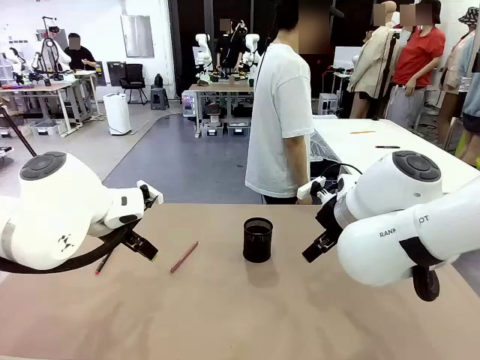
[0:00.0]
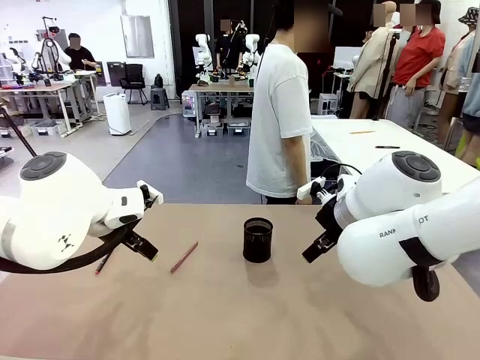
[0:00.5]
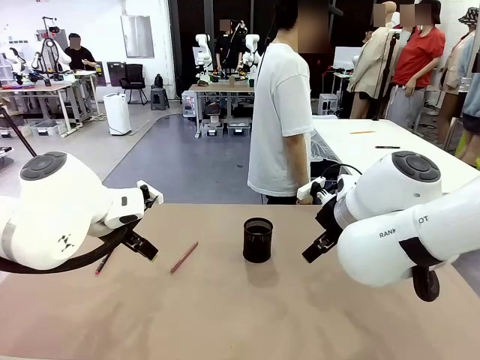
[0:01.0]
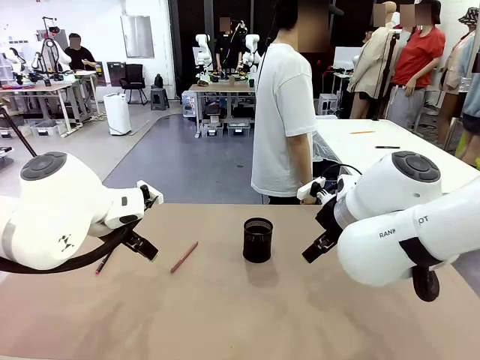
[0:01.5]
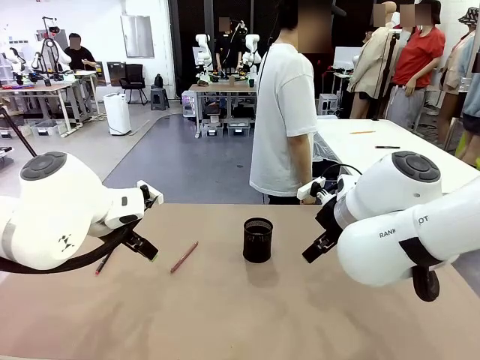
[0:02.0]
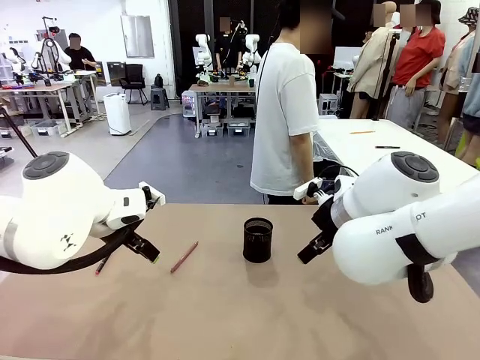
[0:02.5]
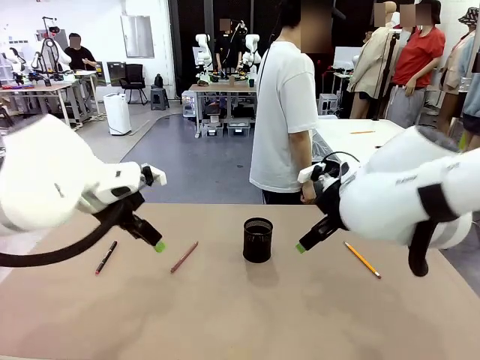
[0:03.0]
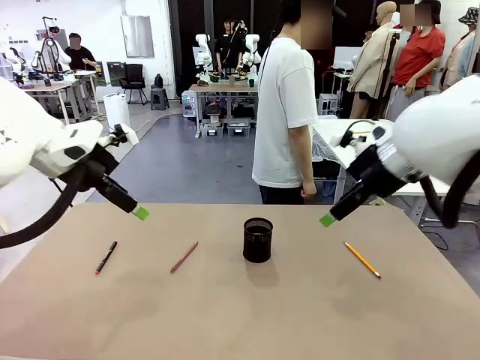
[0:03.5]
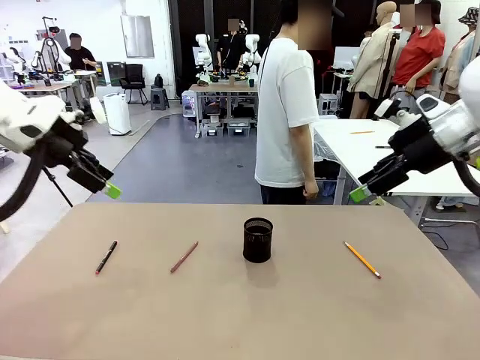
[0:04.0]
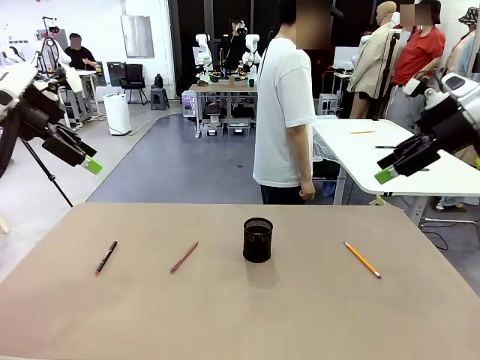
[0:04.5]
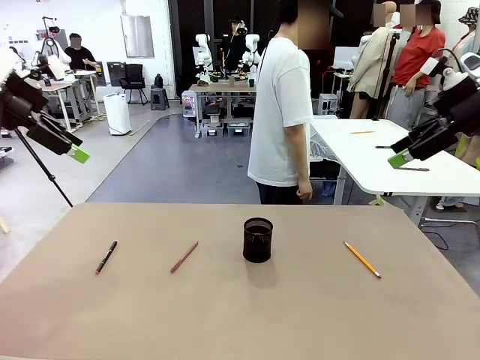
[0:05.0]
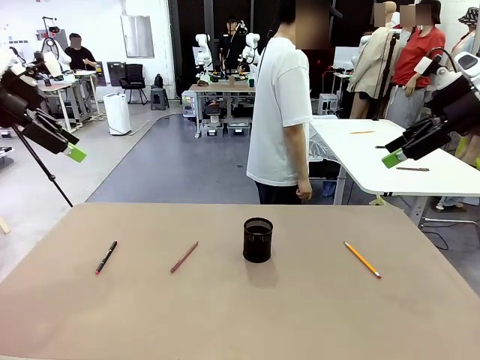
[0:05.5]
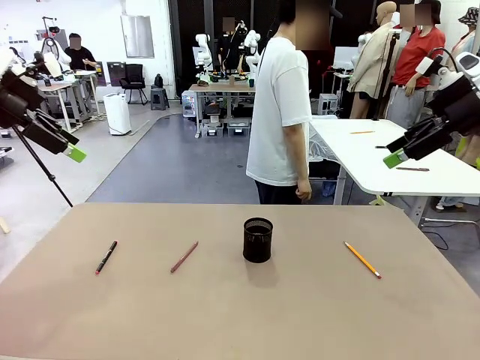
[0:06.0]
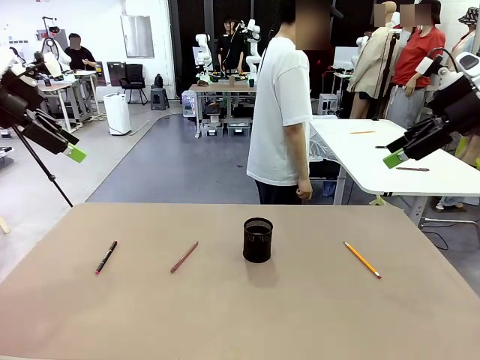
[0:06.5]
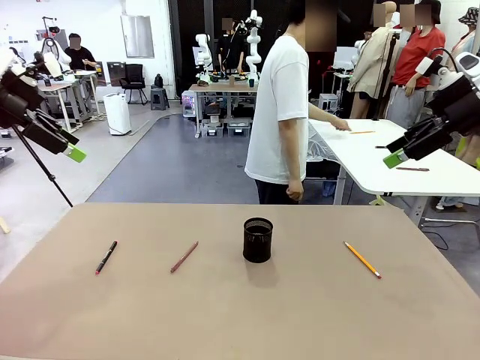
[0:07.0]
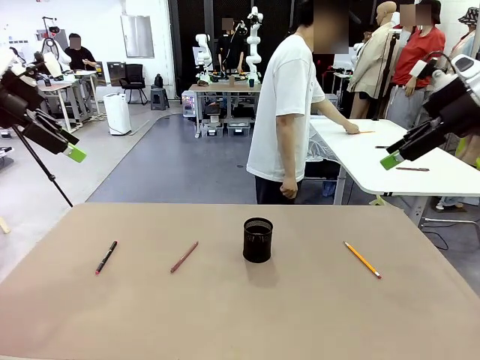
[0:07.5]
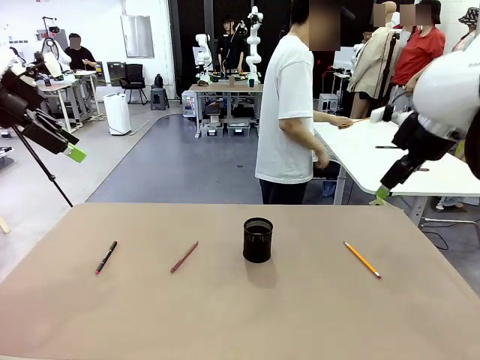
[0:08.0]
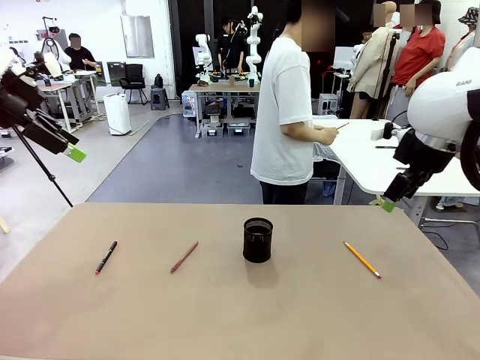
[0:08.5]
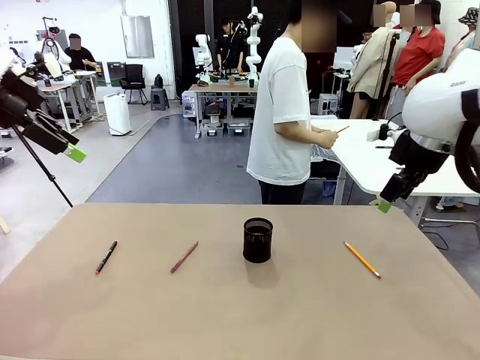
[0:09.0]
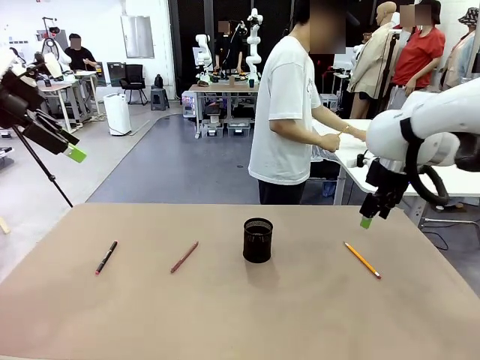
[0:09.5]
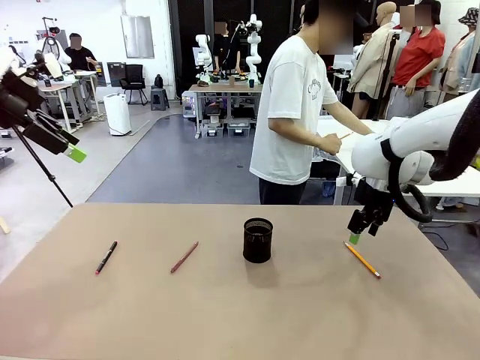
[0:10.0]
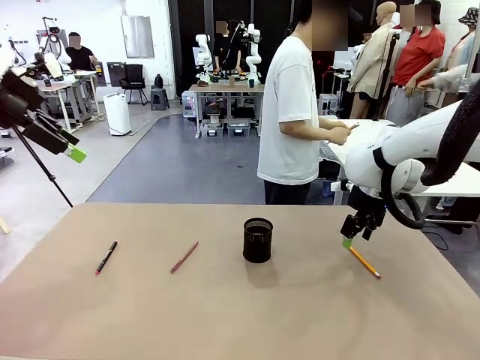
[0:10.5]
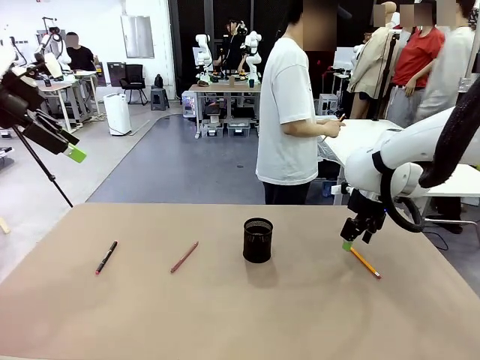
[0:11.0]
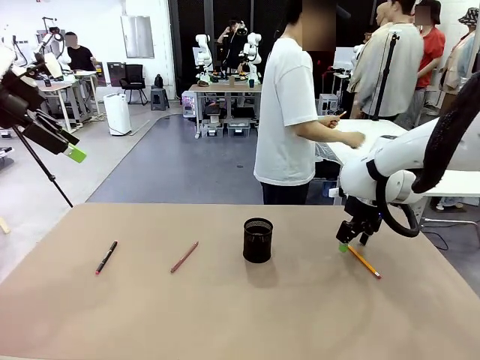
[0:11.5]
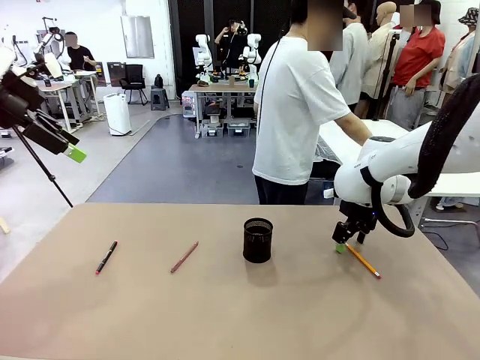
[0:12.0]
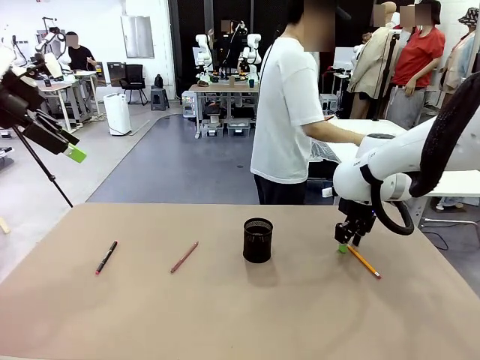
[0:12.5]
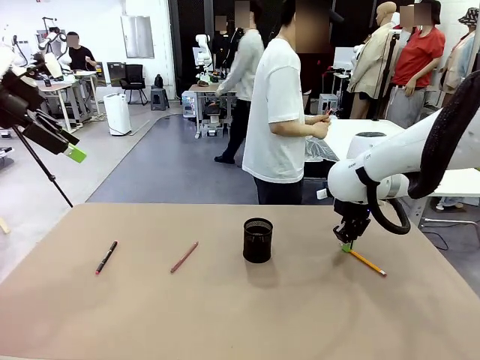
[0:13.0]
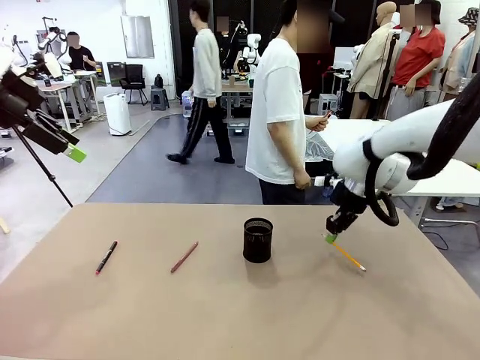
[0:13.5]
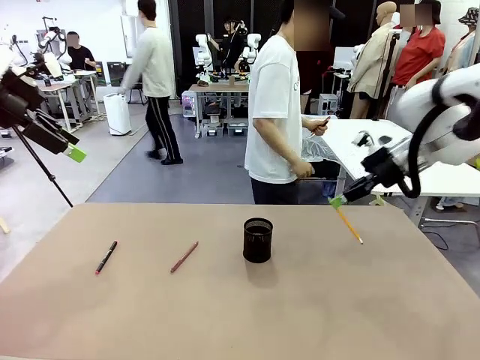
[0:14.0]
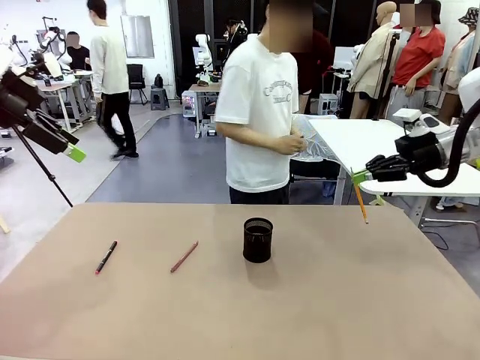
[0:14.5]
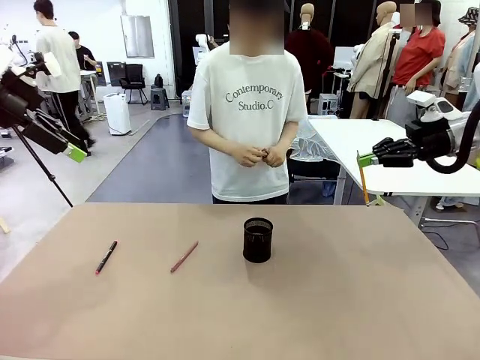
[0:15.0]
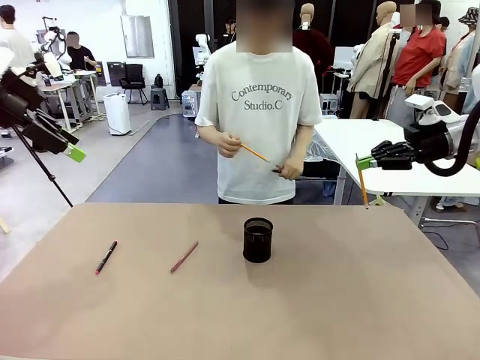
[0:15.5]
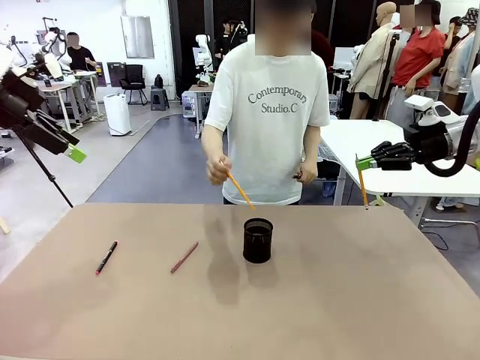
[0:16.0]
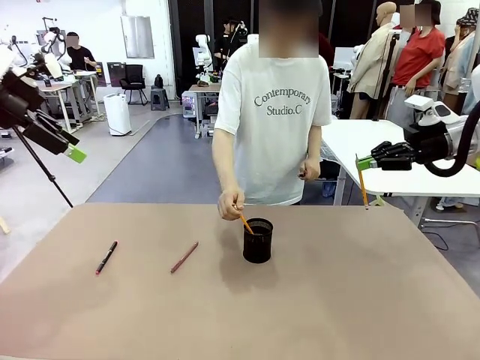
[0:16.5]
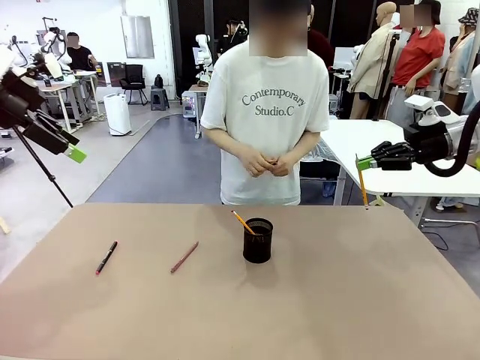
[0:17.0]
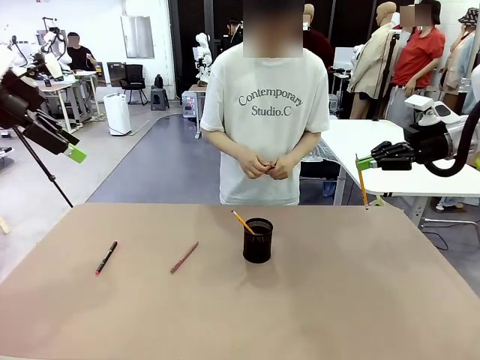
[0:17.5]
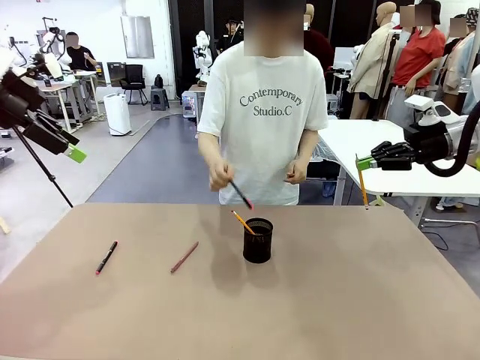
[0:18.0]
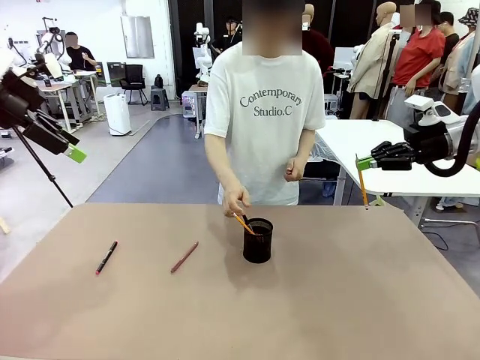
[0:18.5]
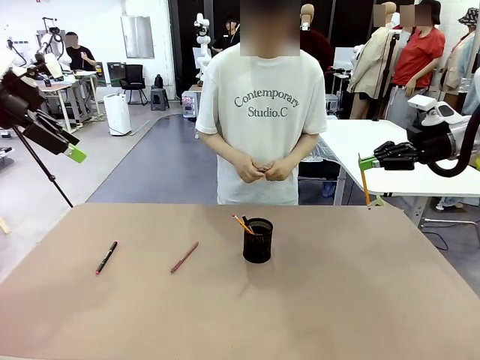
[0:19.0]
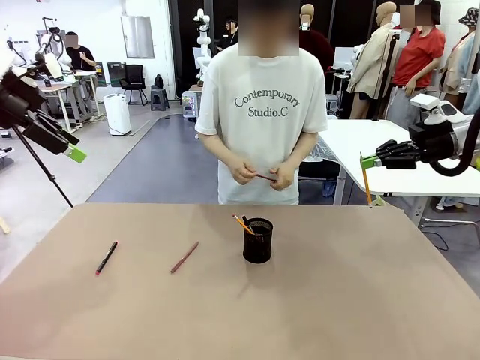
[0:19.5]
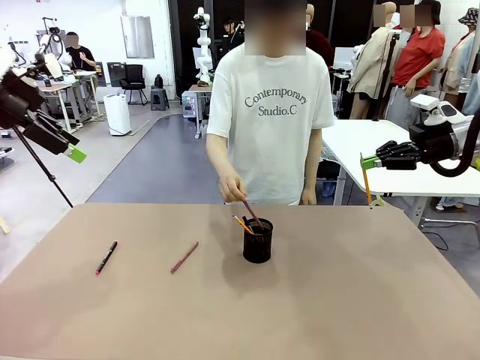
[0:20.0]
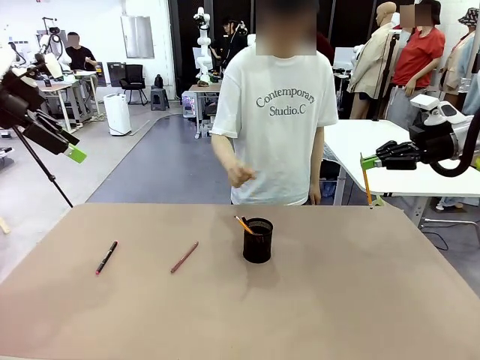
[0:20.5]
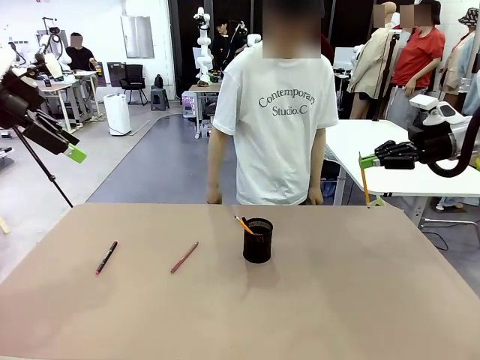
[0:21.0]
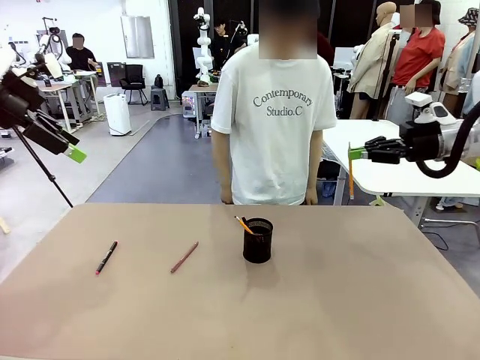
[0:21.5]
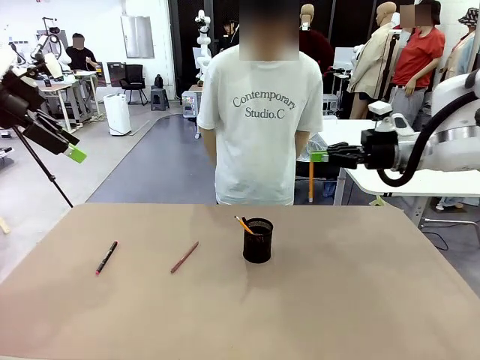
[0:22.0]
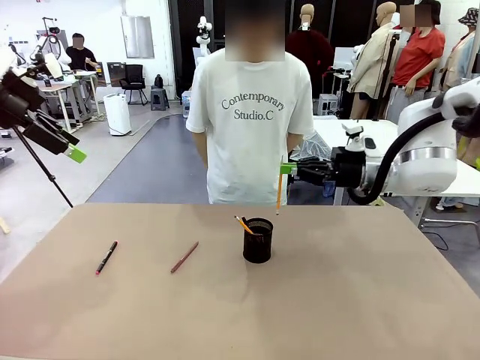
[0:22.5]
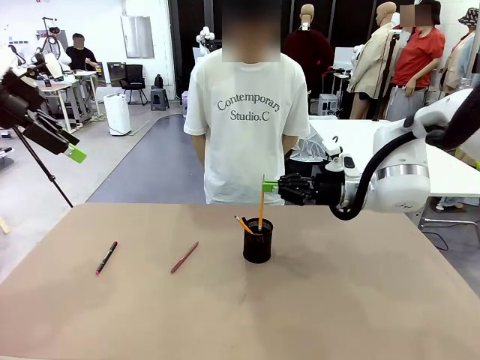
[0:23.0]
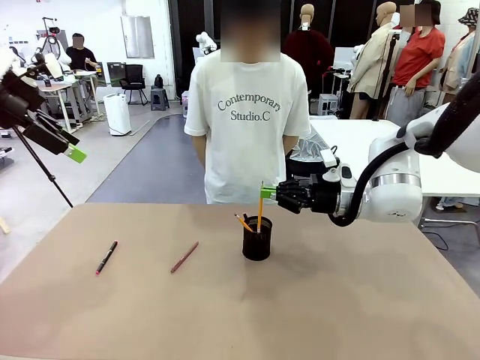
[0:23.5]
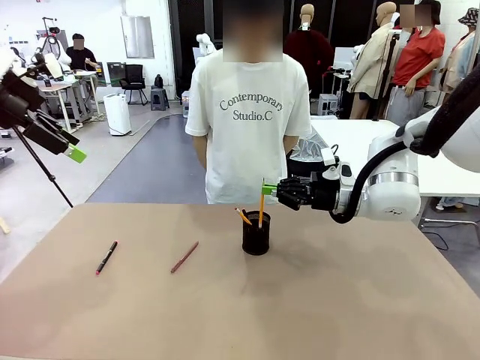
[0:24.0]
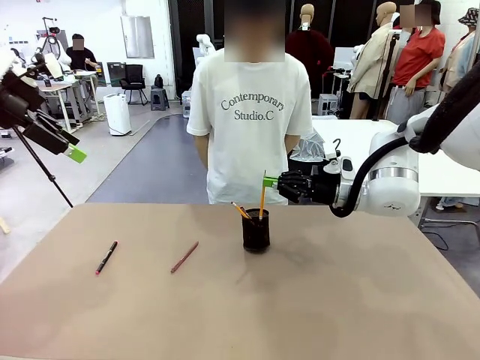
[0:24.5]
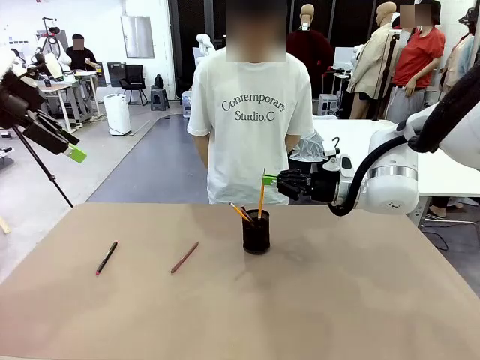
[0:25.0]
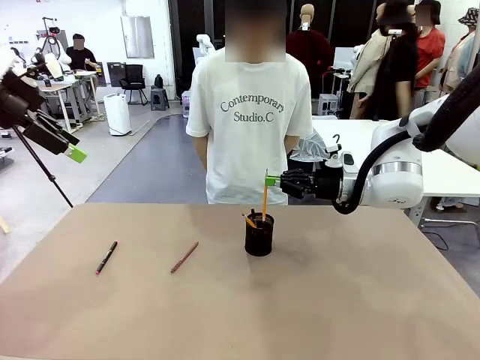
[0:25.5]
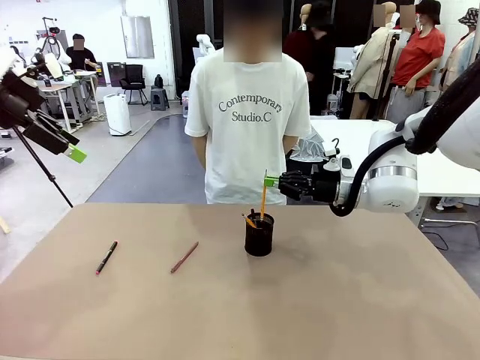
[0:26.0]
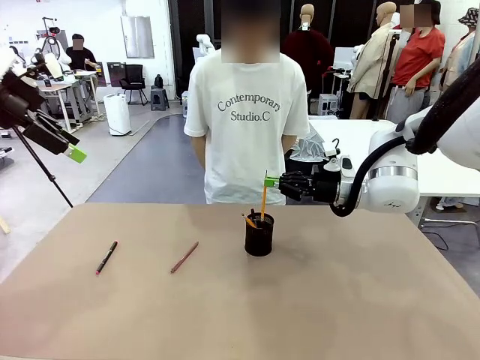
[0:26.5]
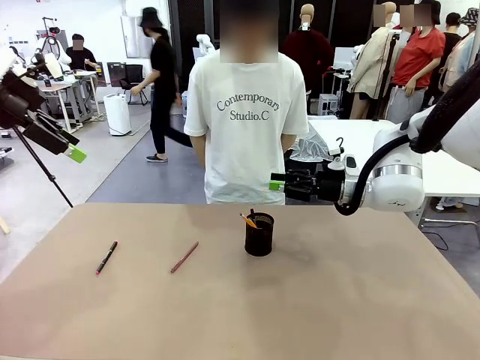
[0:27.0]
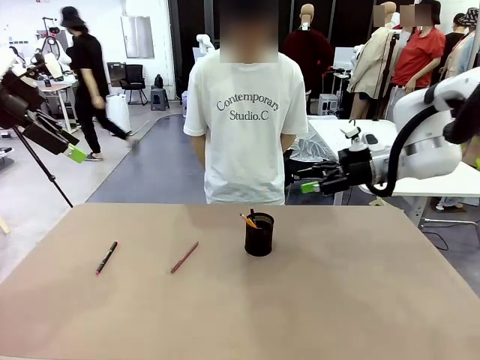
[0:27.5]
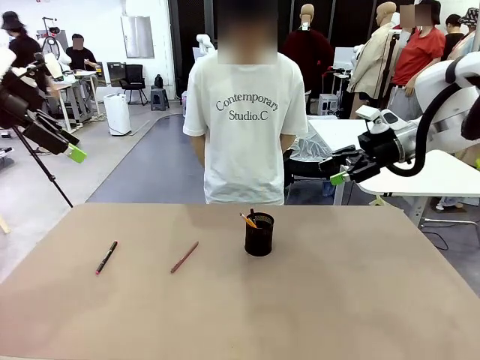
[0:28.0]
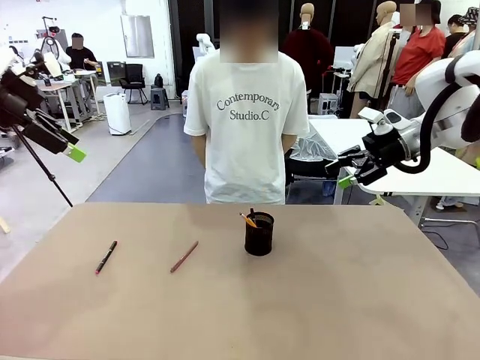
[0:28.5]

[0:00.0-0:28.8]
Task: Place the pens into the pen holder.
Robot: Pick up a writing instrument from the table and place it into the Pen holder.
Person: Pick up all writing instruments from the Human table.
